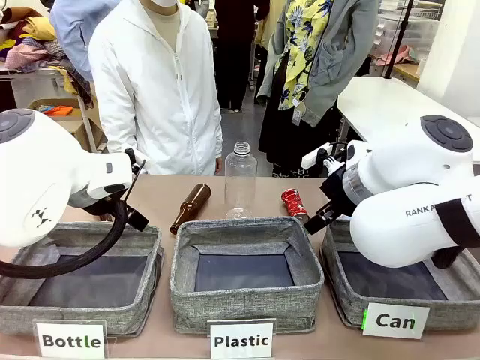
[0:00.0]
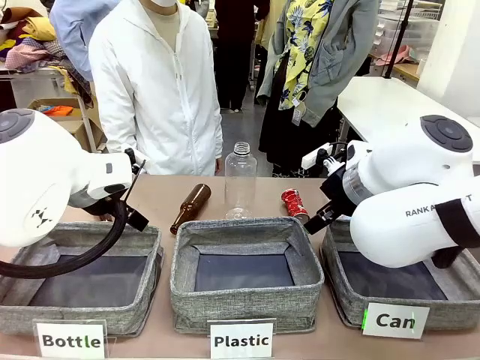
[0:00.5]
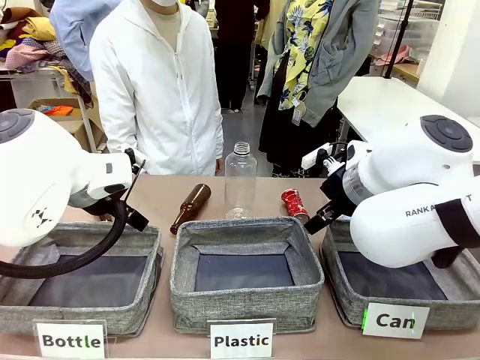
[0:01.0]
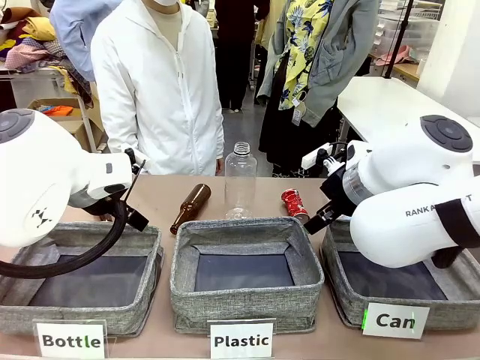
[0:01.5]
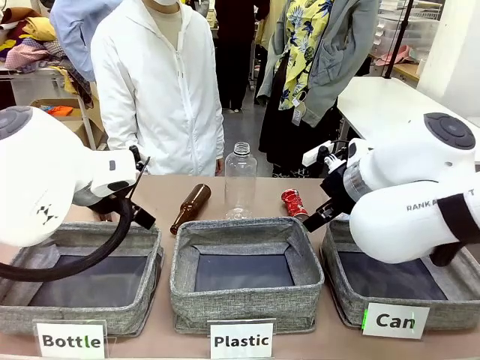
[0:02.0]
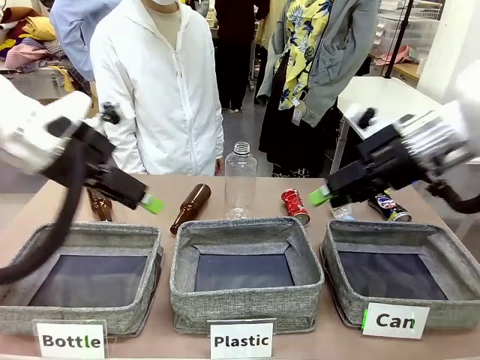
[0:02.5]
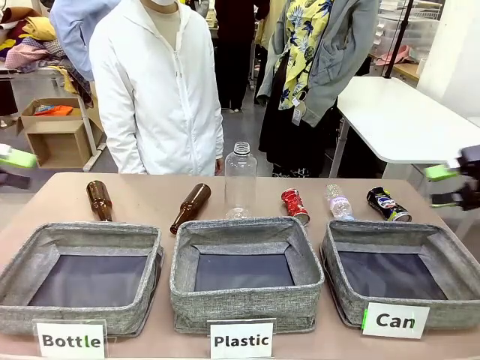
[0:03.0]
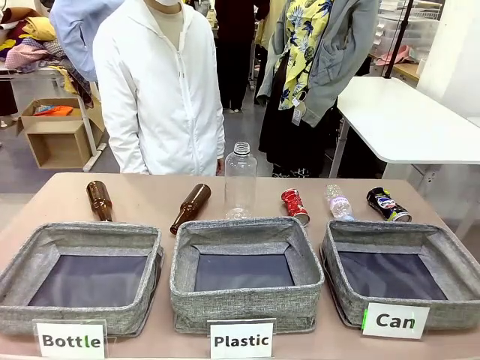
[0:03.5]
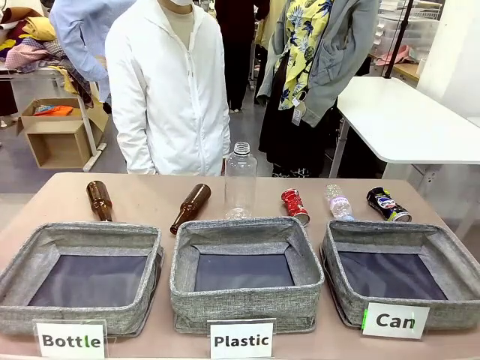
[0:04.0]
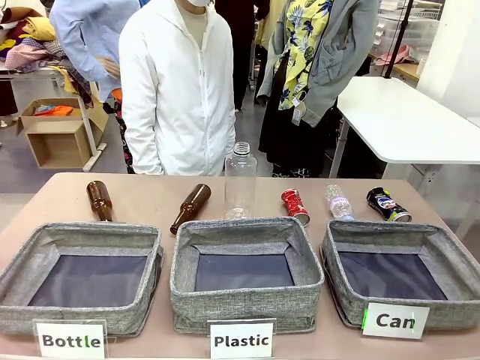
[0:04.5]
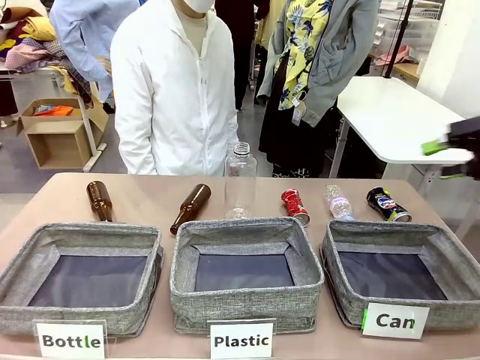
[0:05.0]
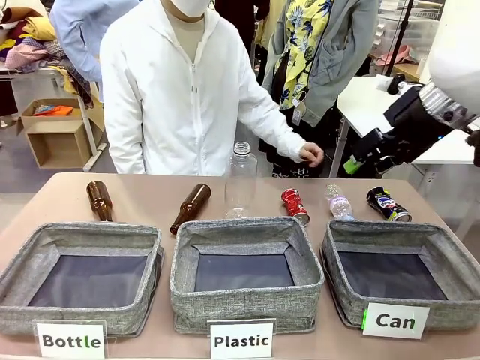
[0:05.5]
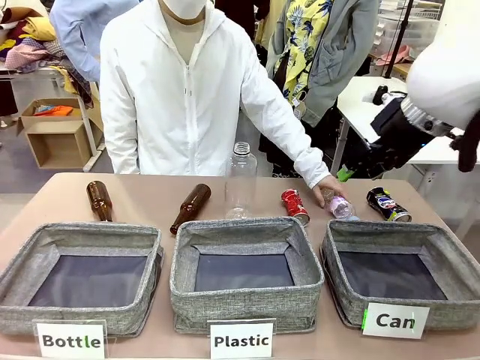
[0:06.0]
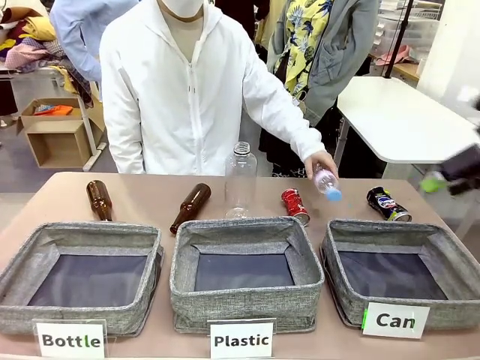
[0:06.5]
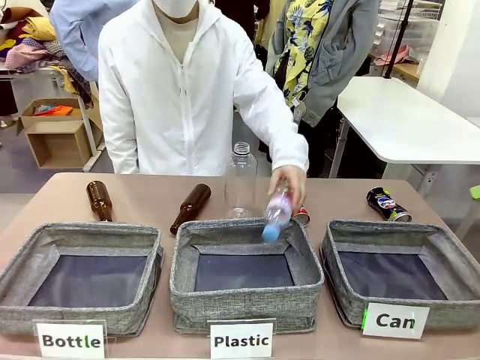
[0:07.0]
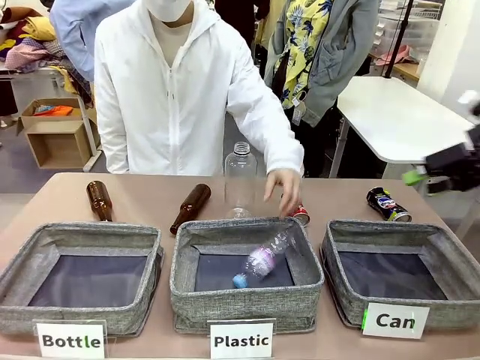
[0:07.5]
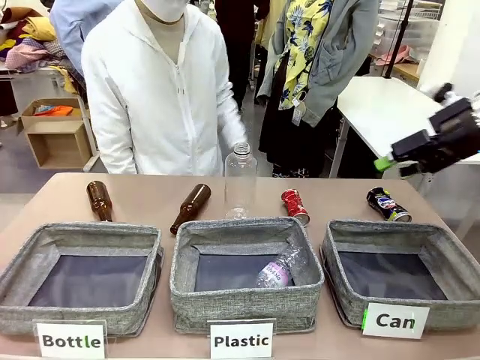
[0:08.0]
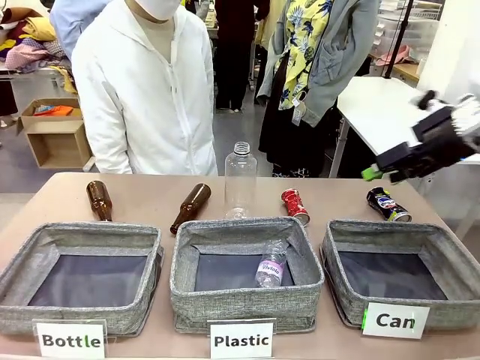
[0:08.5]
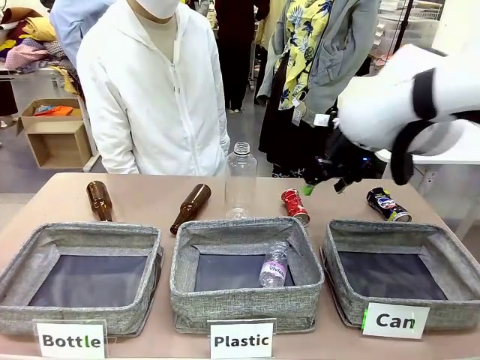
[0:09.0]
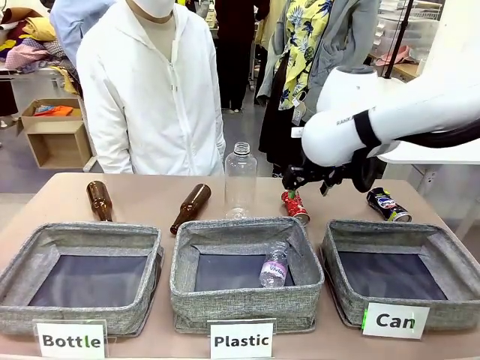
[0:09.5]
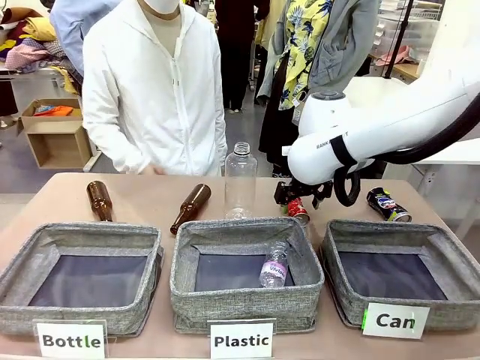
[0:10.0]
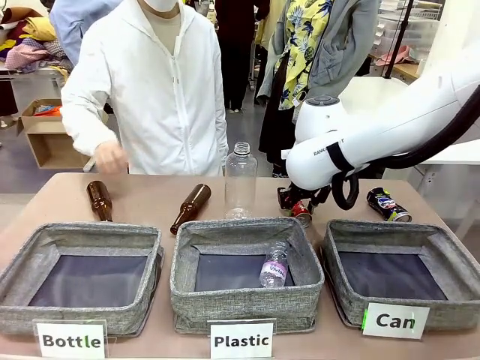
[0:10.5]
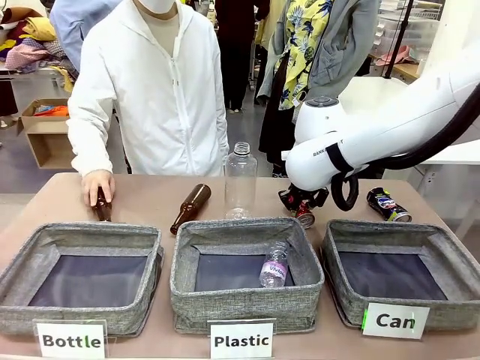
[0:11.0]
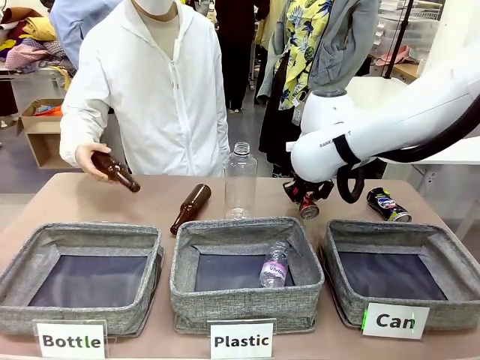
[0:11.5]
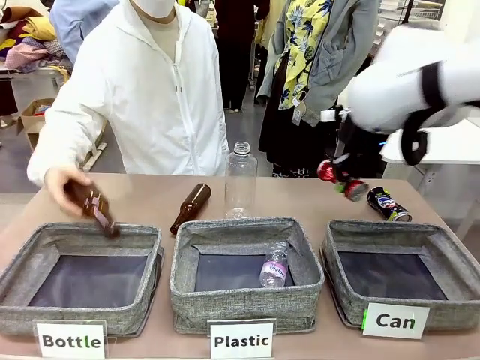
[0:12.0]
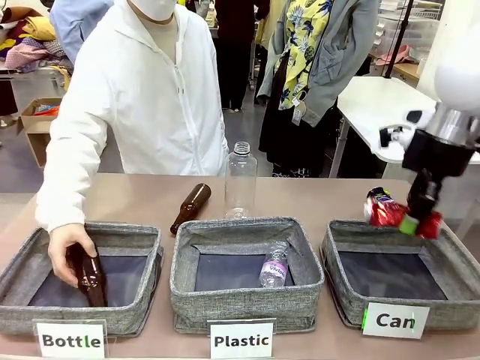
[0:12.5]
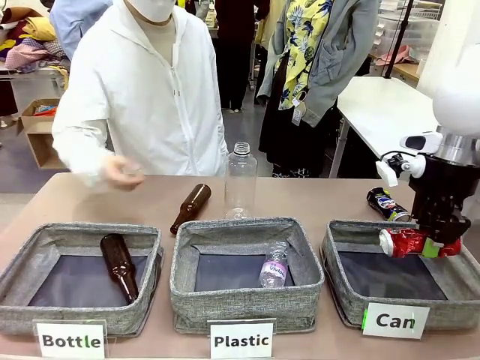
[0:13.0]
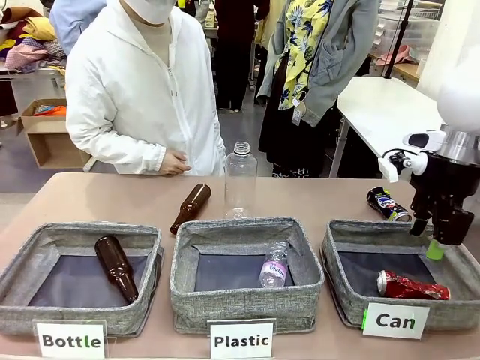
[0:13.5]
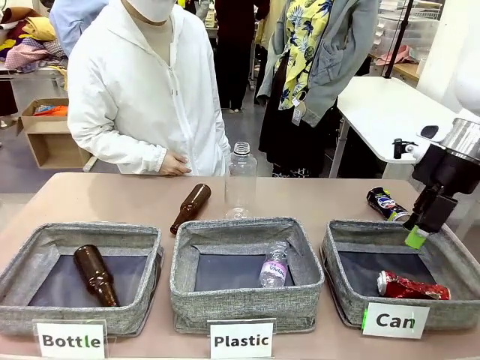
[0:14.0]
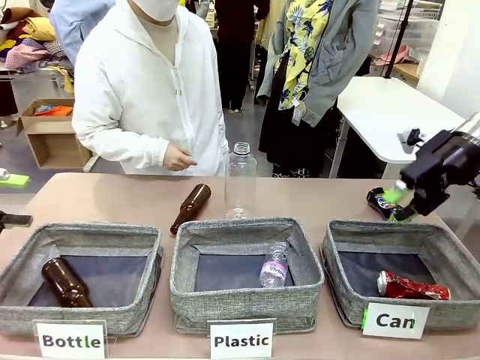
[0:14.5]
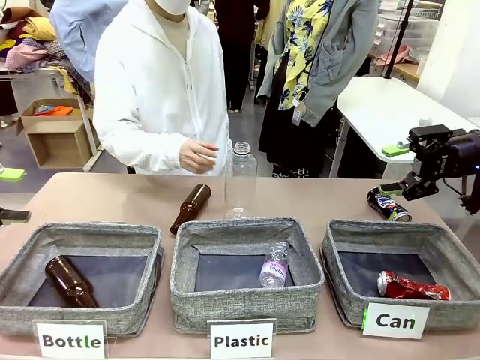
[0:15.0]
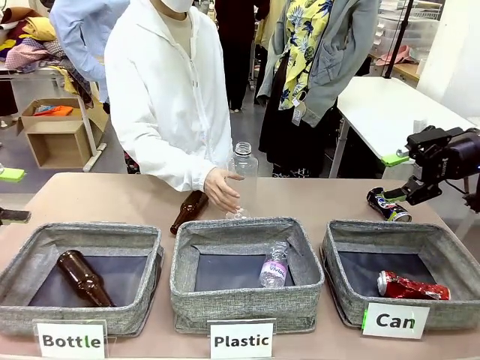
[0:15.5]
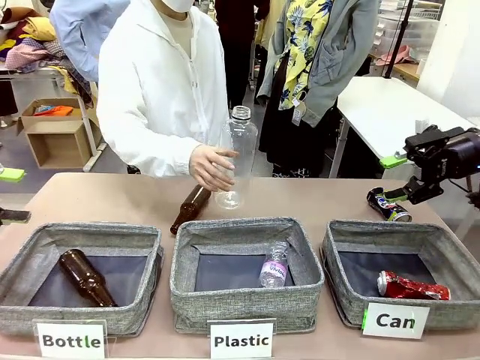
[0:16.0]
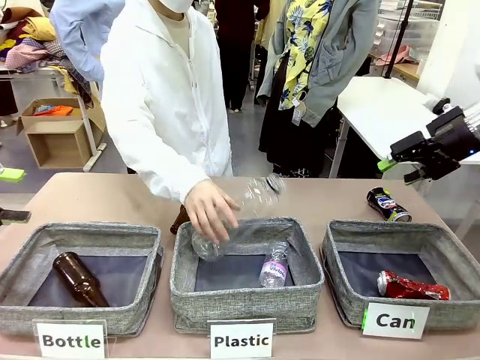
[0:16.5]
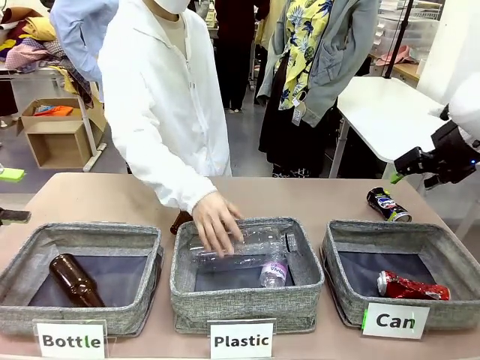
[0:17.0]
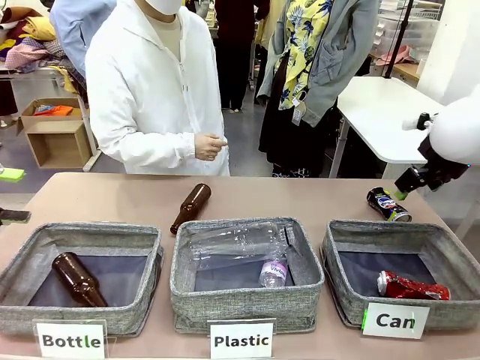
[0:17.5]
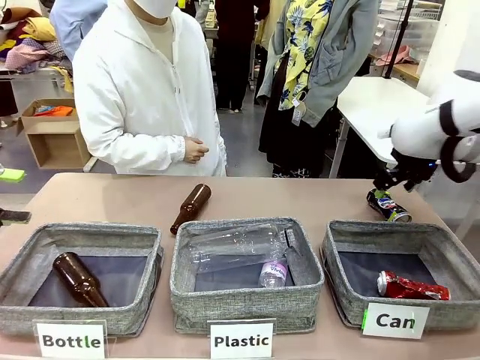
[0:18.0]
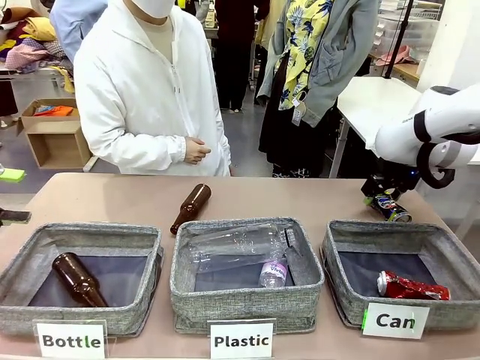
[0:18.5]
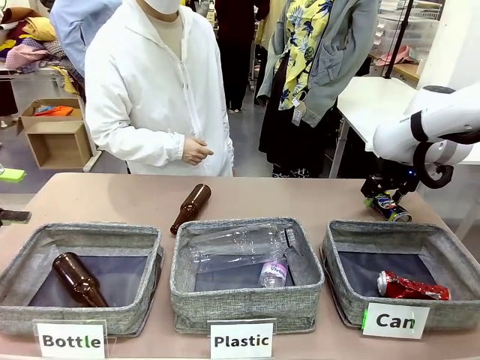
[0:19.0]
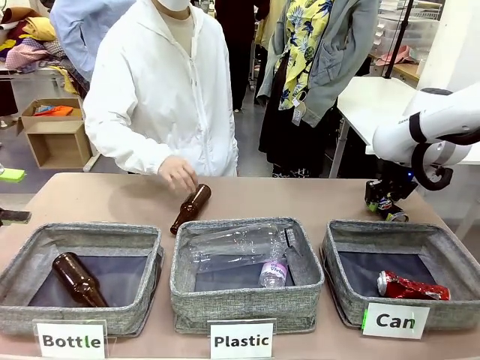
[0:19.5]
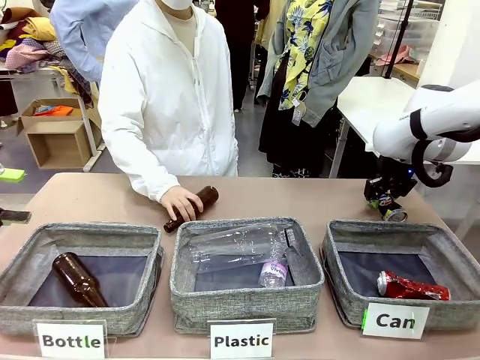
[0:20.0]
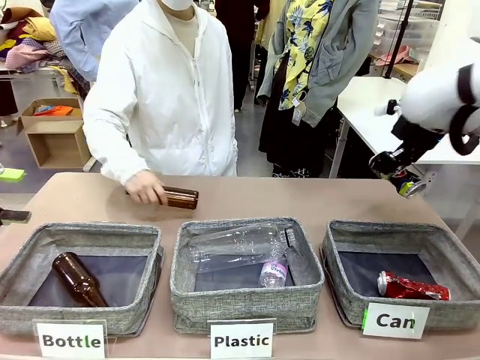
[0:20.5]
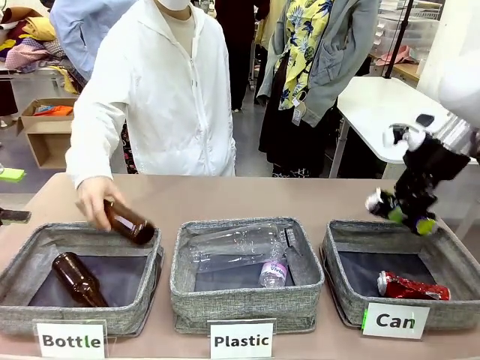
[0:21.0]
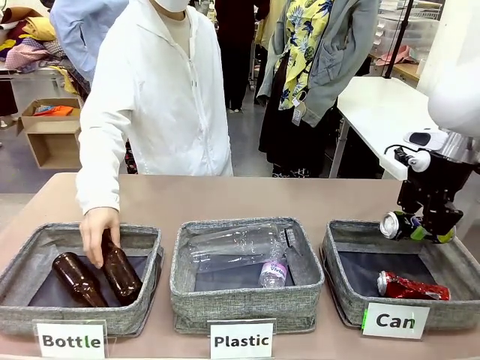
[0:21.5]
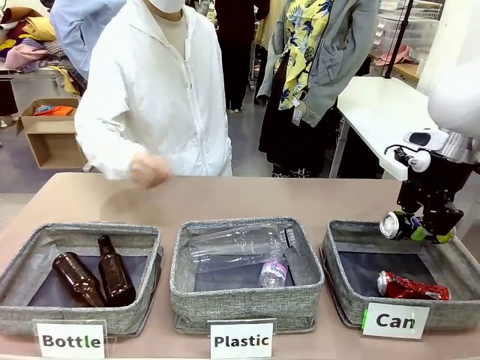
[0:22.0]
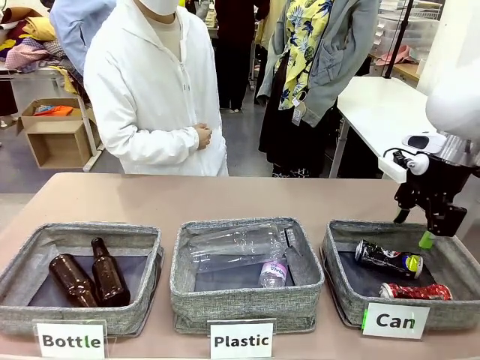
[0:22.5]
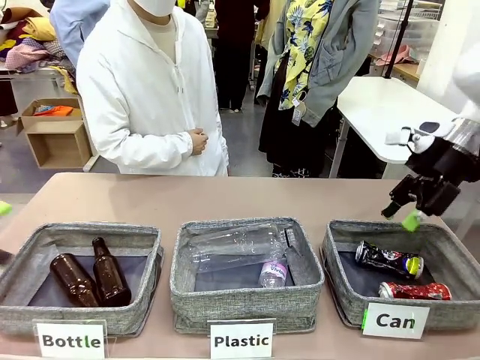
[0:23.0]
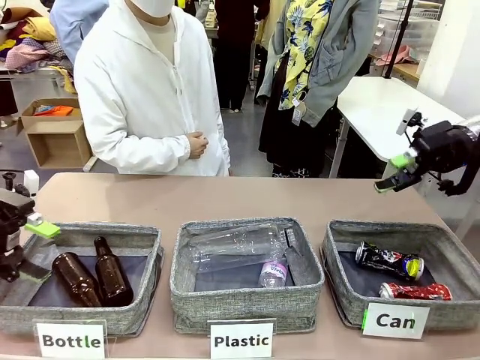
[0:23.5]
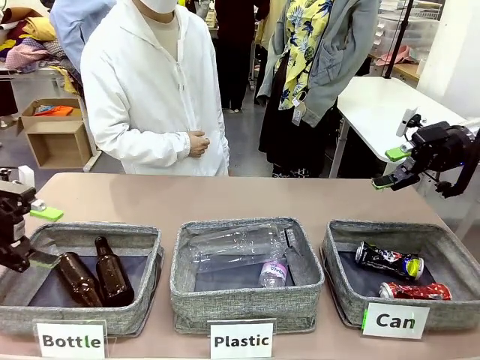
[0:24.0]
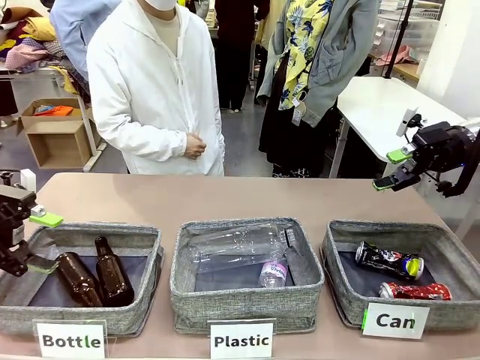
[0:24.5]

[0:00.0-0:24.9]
Task: Sort the can waste into the basket.
Robot: Pick up the can waste from the table and place it in the right Fabric basket.
Person: The human picks up one piece of trash that is not a can and places the trash into the appropriate organizing basket.
